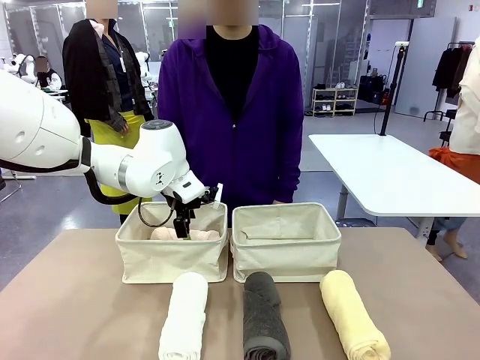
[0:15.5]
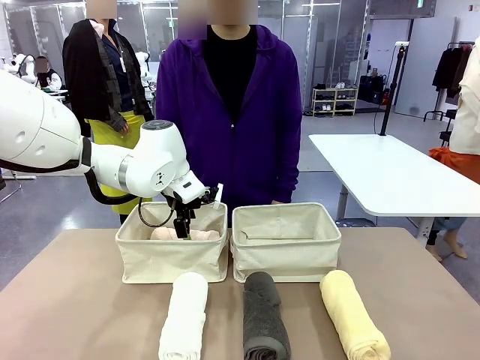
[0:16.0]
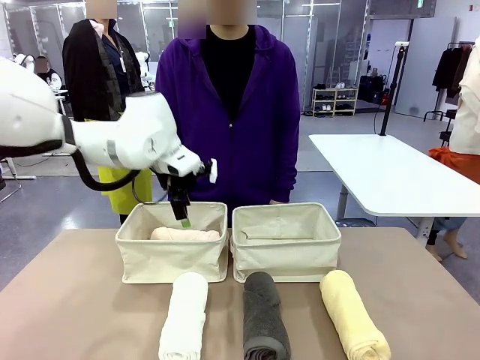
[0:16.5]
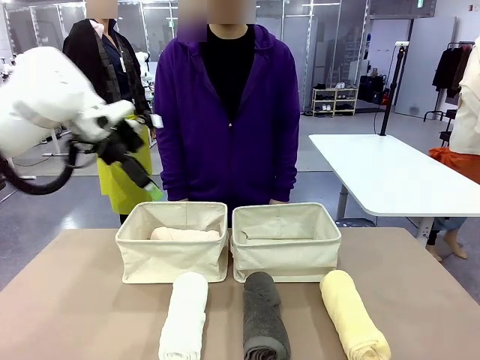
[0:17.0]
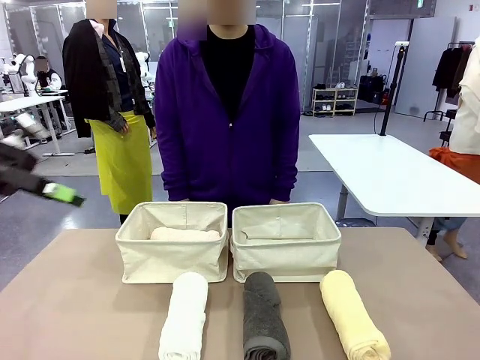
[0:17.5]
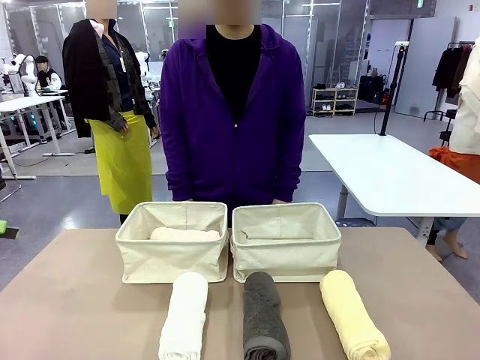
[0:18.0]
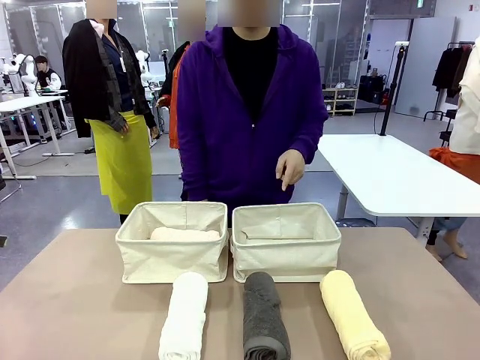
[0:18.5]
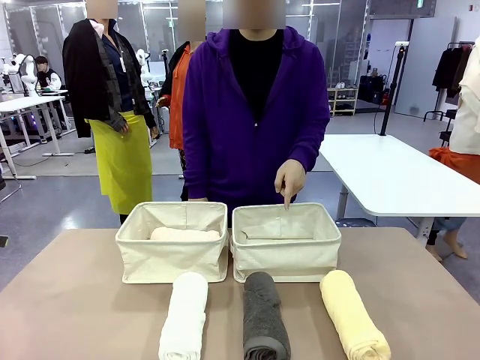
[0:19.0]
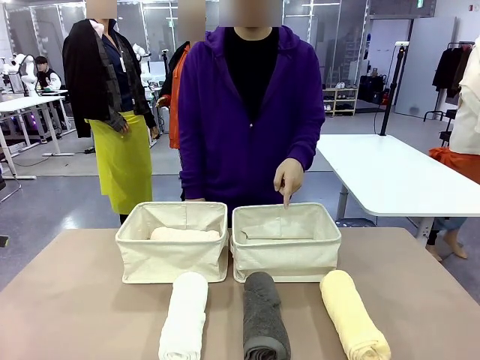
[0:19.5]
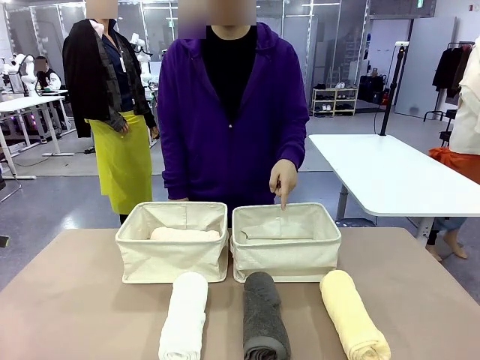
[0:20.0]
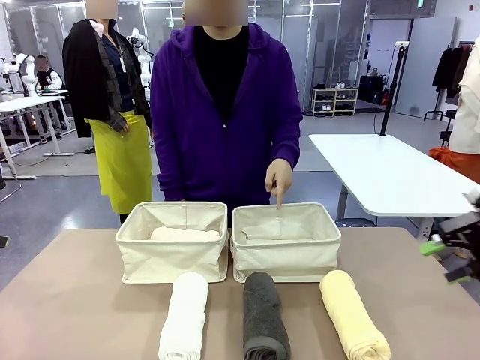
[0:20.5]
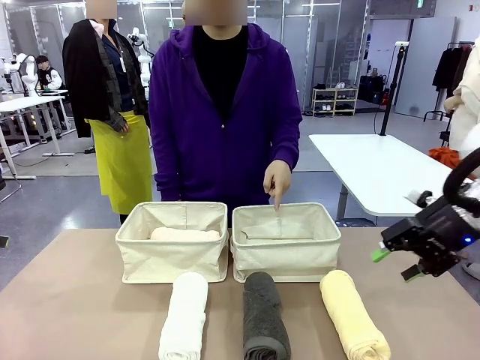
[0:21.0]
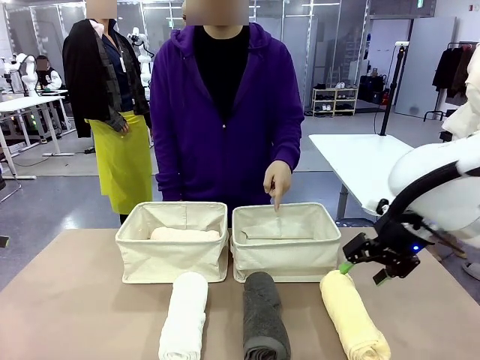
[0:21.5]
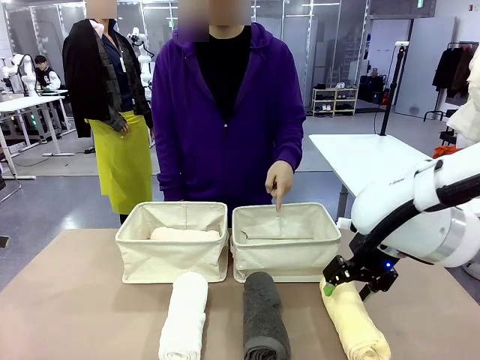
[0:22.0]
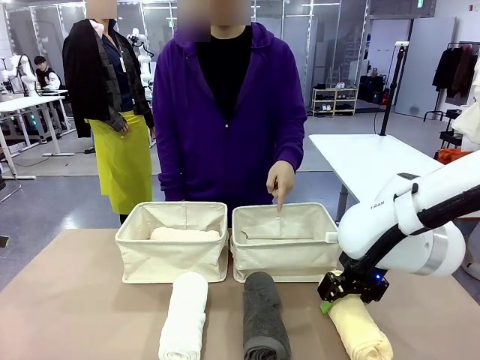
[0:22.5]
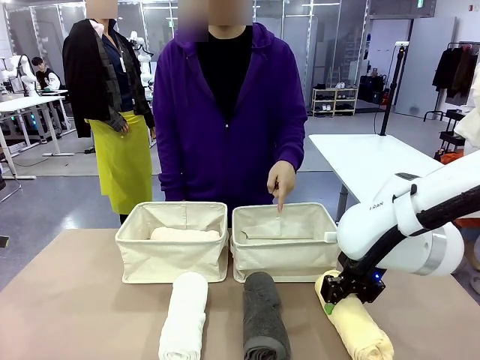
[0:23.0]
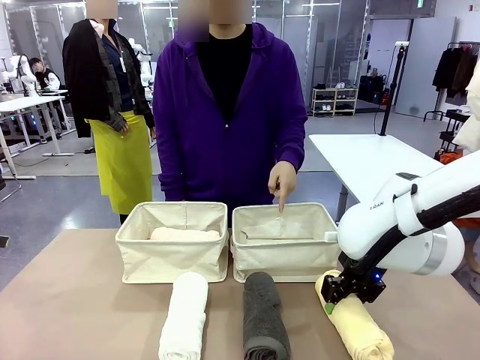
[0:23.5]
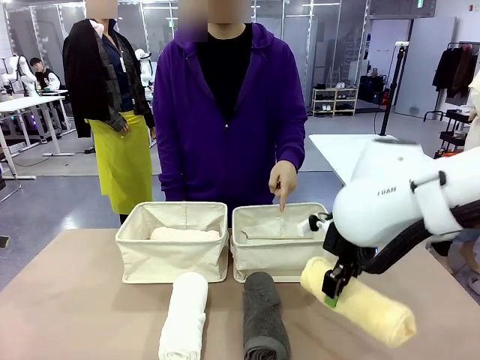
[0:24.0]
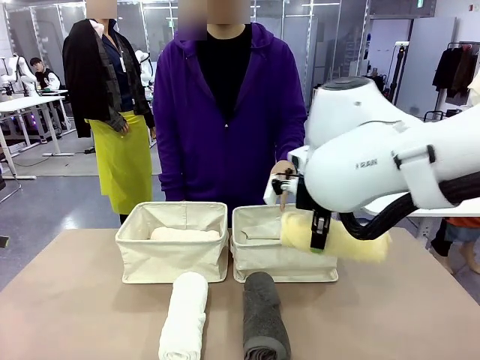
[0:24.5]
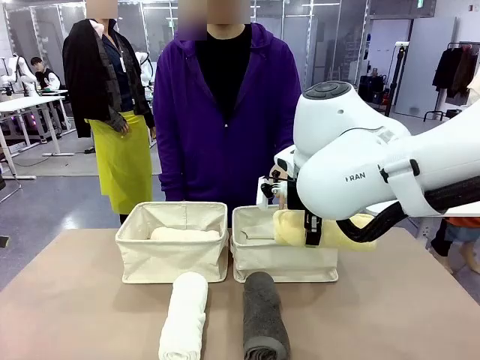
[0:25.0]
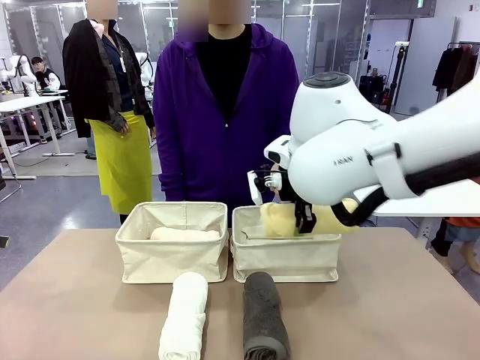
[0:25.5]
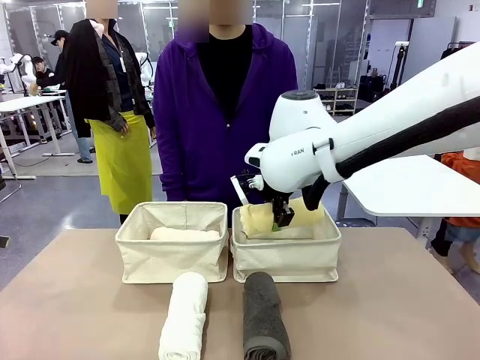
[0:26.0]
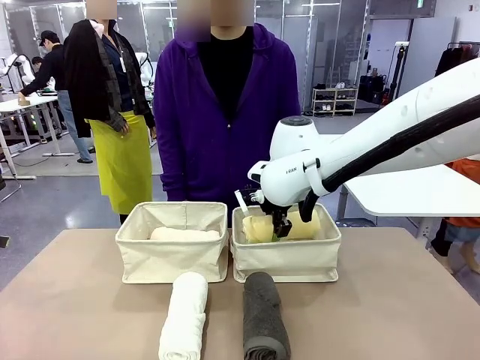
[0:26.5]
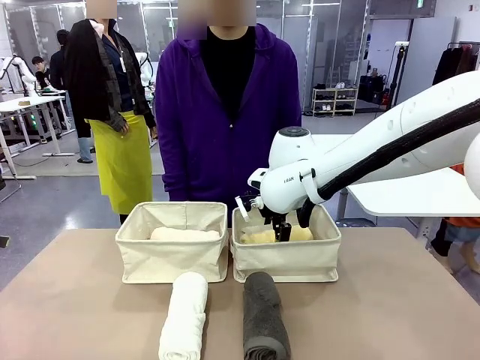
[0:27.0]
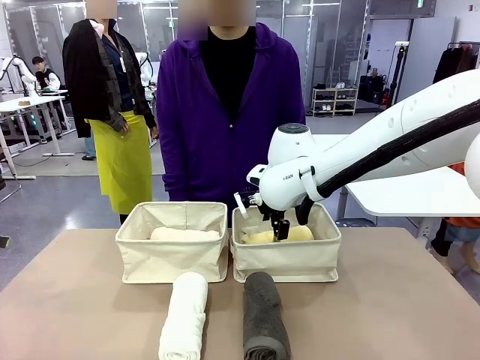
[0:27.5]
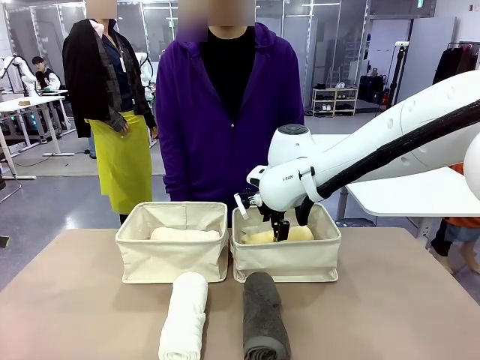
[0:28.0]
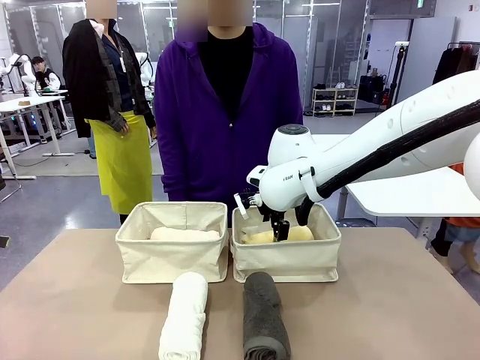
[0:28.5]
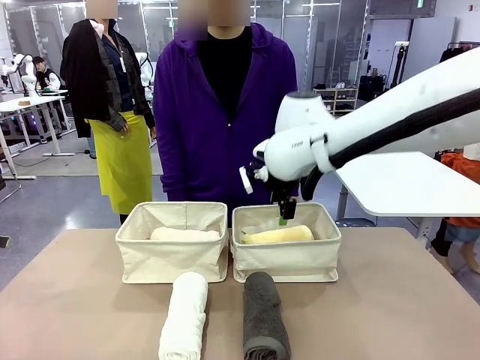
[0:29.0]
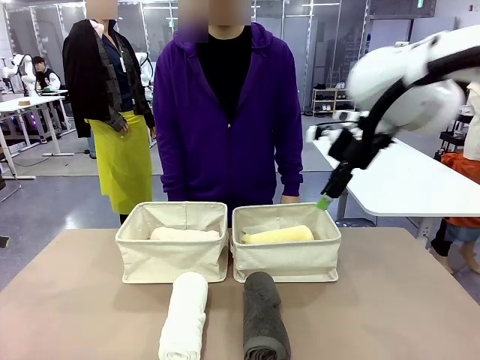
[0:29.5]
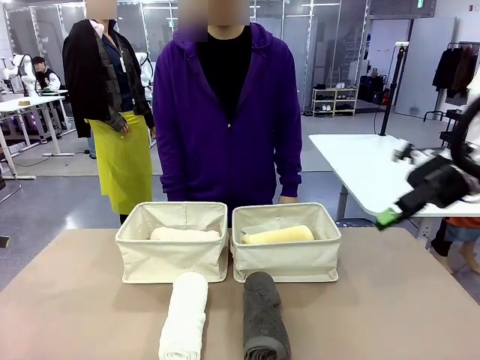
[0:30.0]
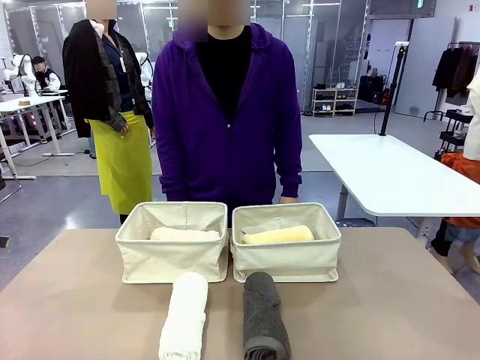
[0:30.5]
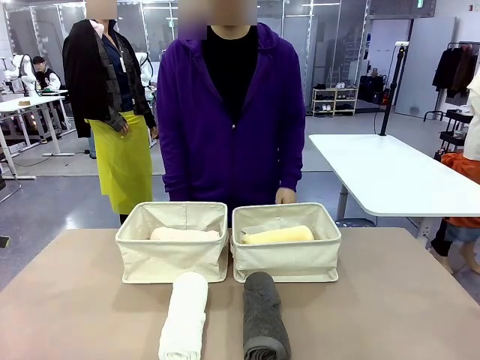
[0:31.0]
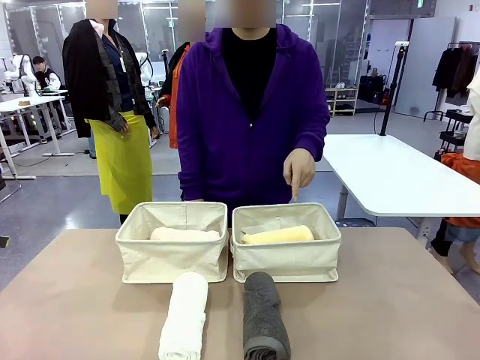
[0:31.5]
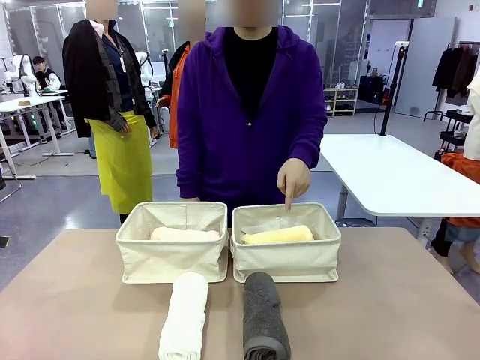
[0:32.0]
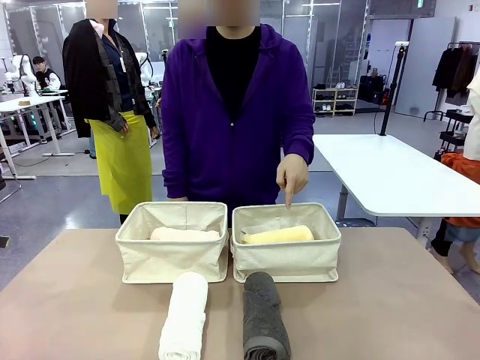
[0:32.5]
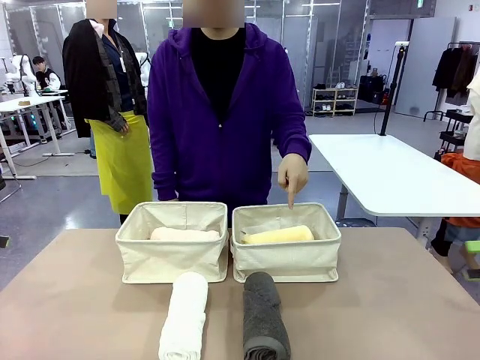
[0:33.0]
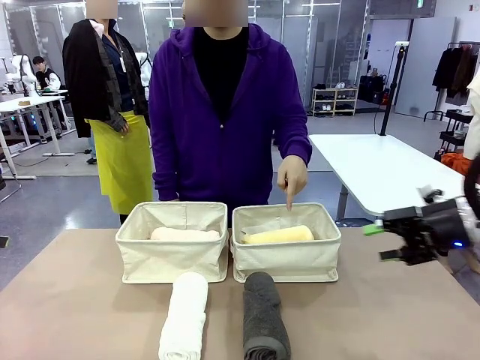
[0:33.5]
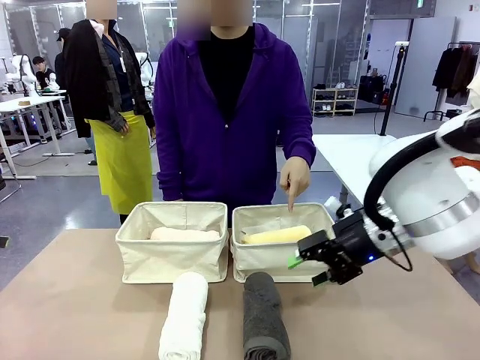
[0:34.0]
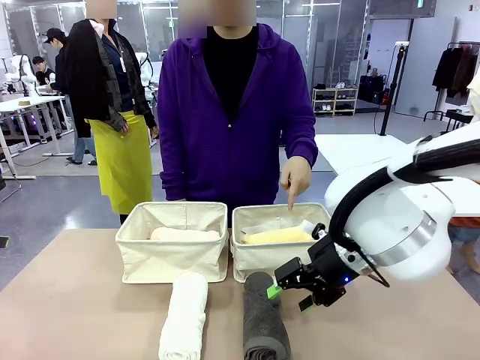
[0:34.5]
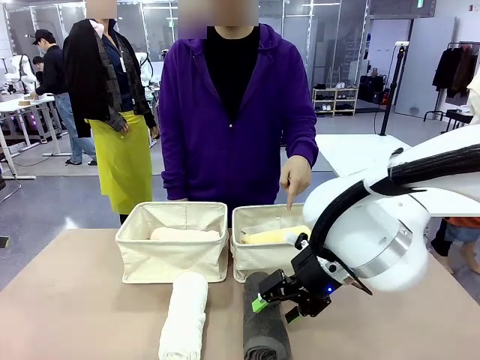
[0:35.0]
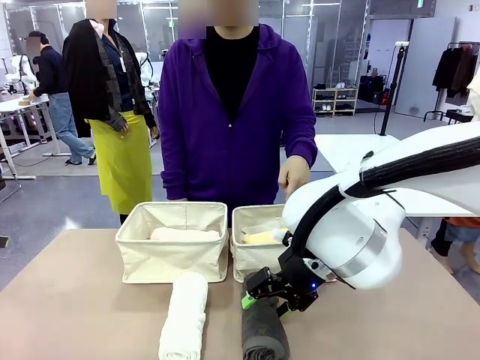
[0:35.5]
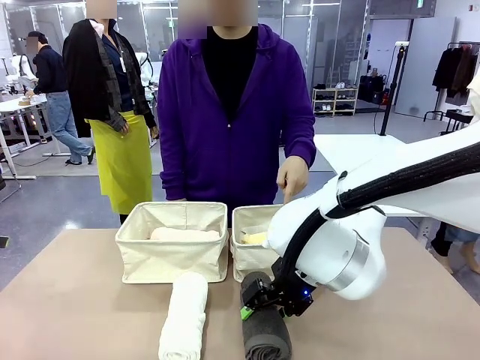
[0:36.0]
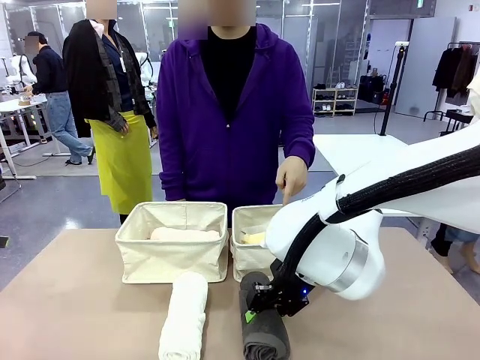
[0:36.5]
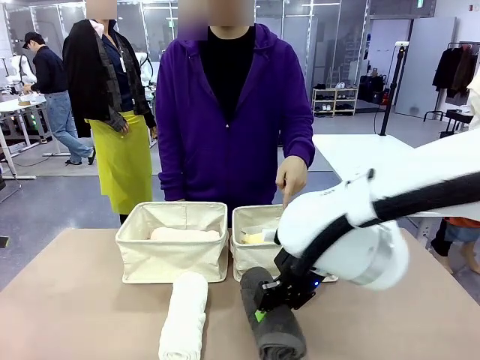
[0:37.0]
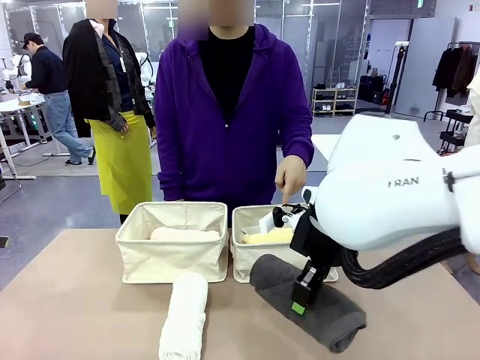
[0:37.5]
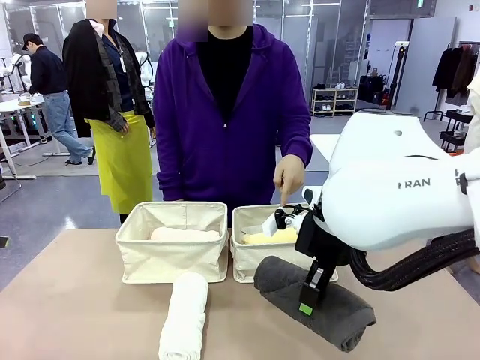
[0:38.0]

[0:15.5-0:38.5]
Task: Divide the towels into two baskets.
Robot: Pick up one hotel-folded towel from the bottom of the table and place it in the Fabric basket indicated by the person.

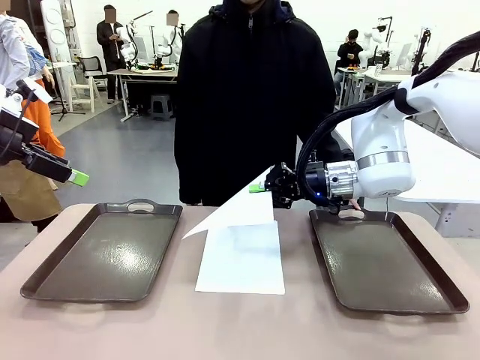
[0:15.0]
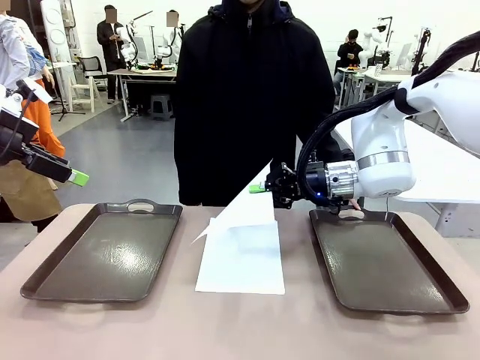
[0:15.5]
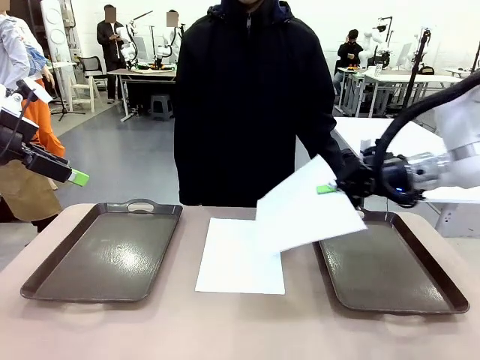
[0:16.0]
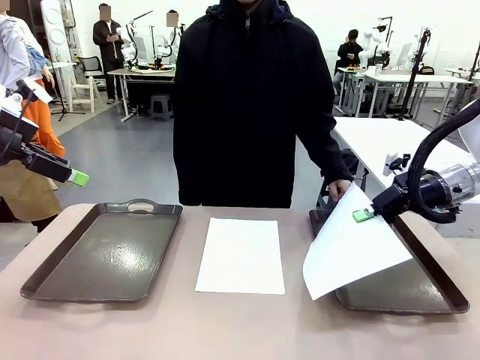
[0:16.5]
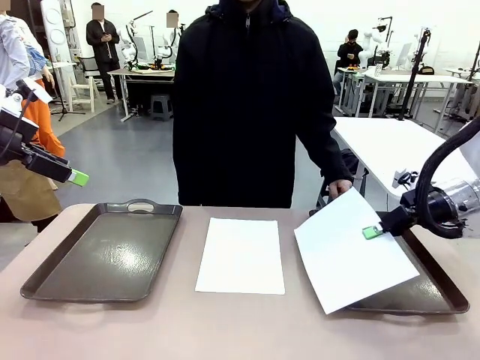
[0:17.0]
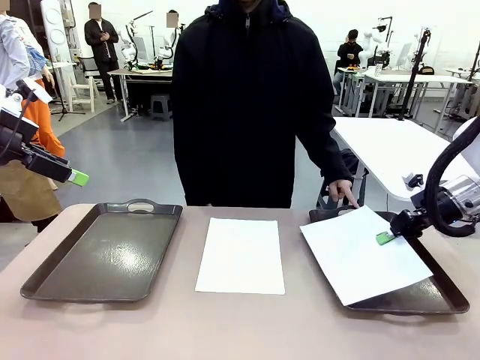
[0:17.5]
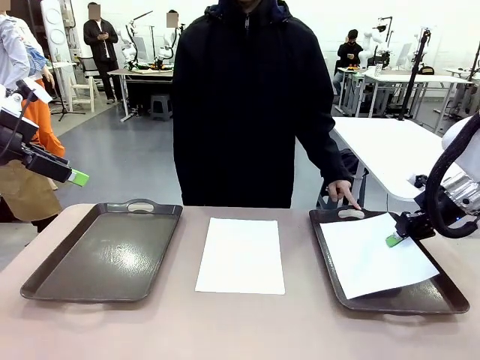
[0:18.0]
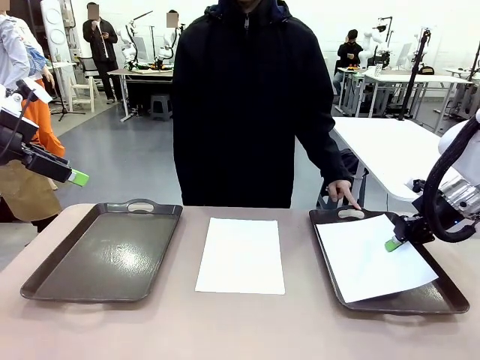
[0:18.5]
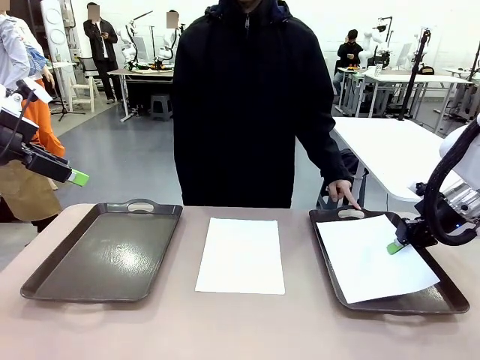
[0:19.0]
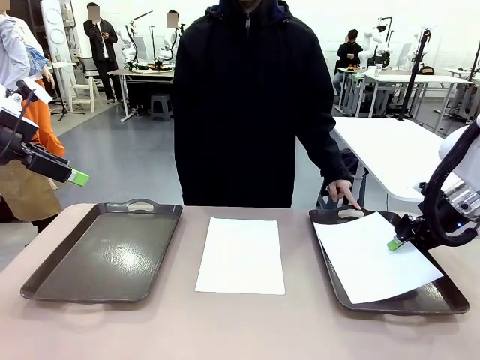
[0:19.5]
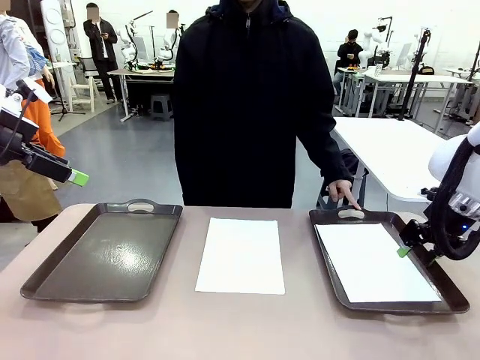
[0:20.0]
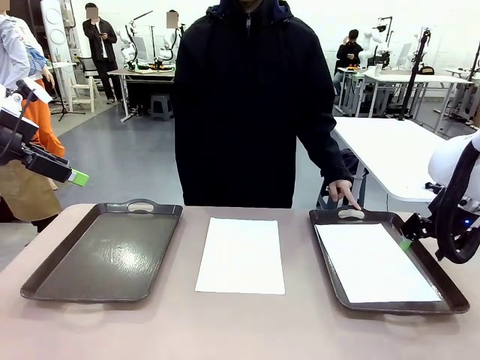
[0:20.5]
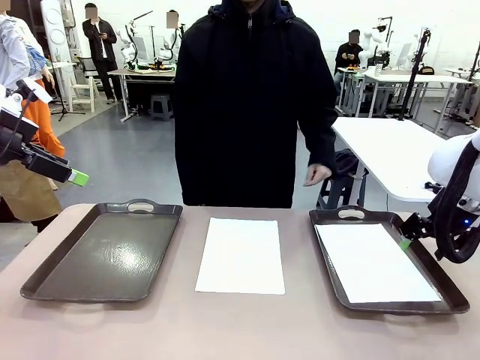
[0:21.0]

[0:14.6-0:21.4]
Task: Sort the A4 documents.
Robot: Place the A4 Paper in the designated Handle tray.
